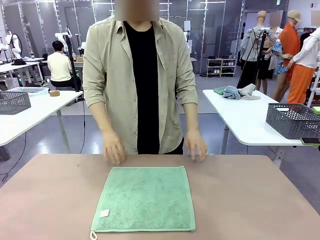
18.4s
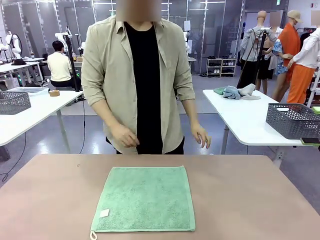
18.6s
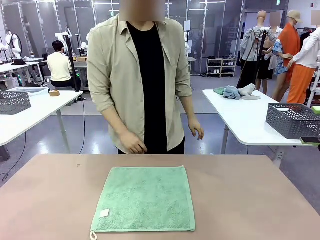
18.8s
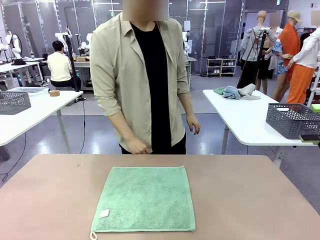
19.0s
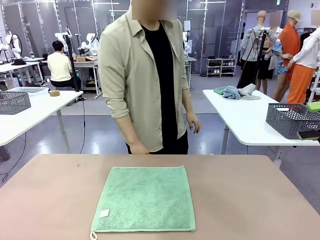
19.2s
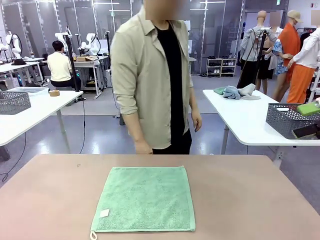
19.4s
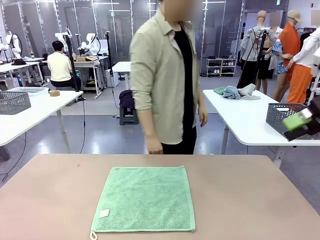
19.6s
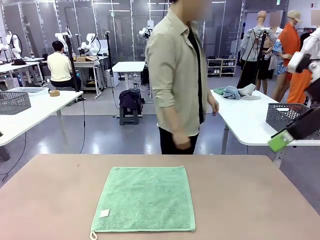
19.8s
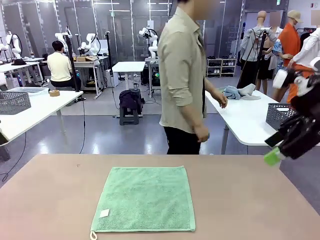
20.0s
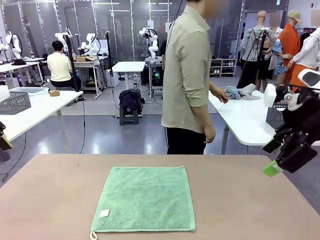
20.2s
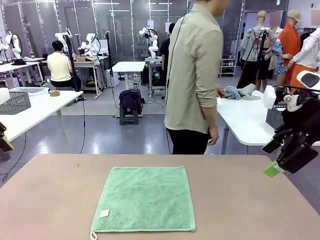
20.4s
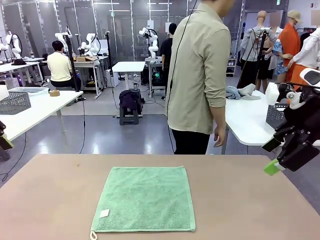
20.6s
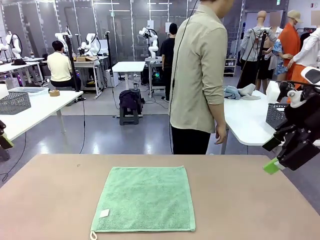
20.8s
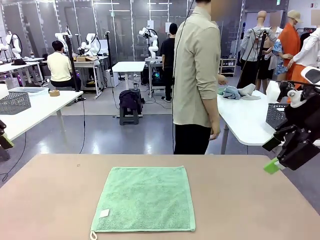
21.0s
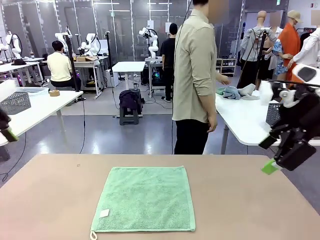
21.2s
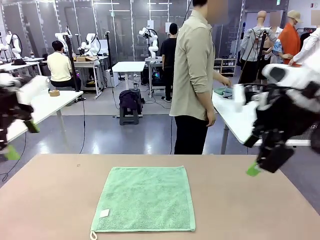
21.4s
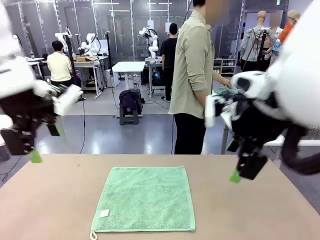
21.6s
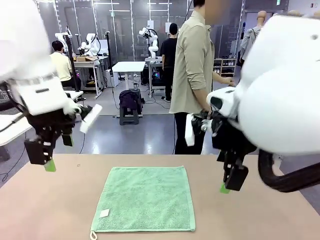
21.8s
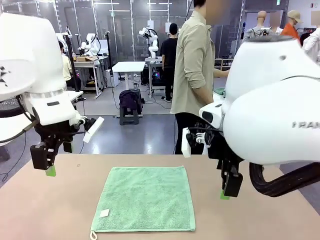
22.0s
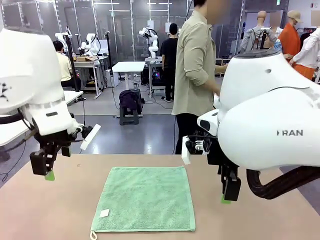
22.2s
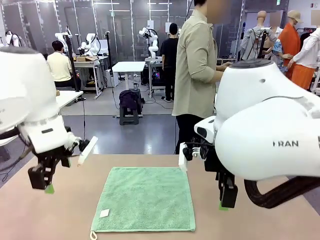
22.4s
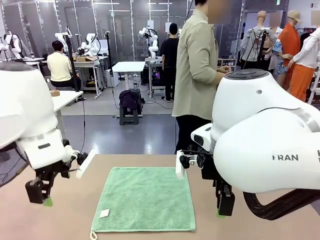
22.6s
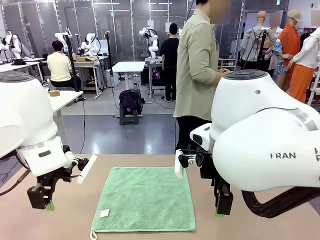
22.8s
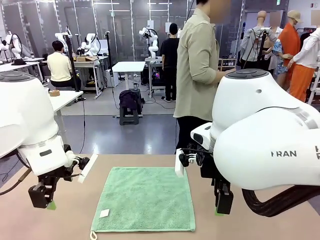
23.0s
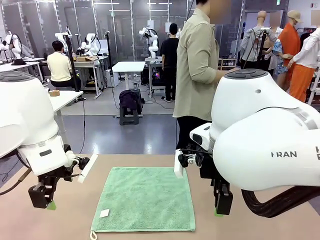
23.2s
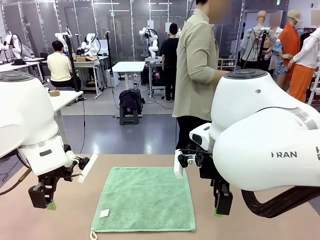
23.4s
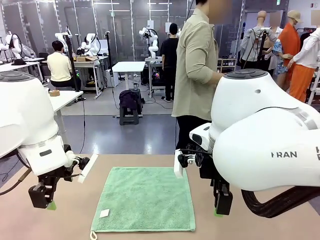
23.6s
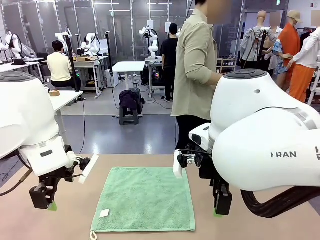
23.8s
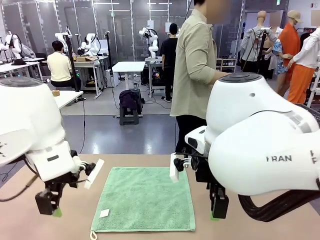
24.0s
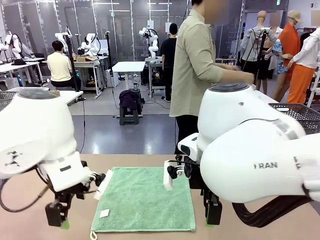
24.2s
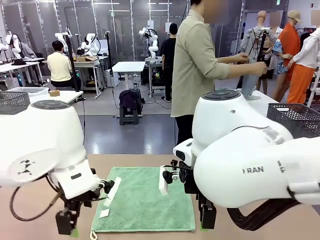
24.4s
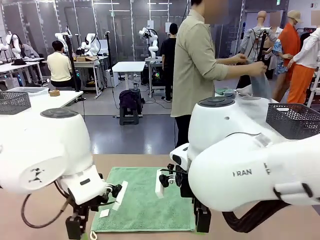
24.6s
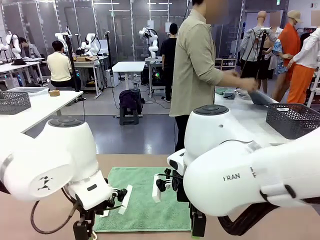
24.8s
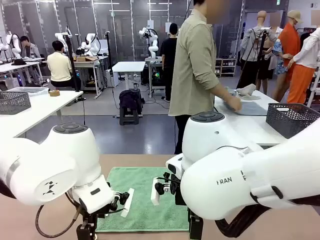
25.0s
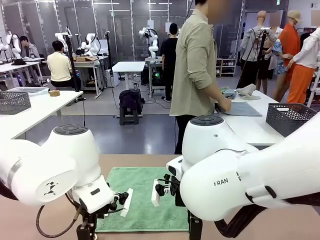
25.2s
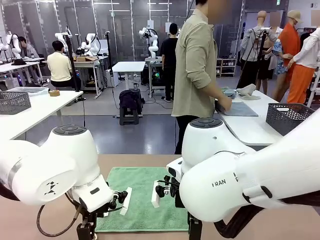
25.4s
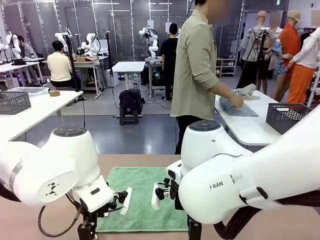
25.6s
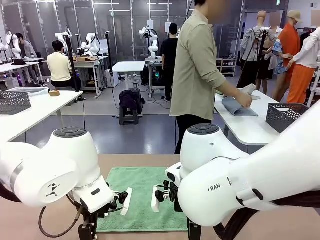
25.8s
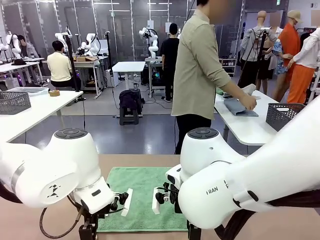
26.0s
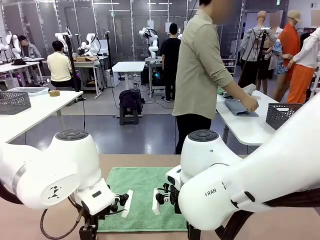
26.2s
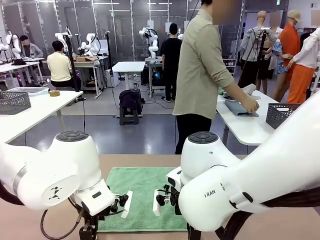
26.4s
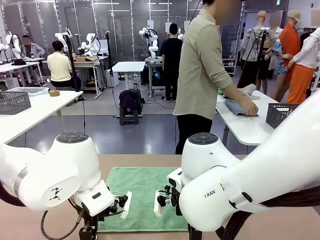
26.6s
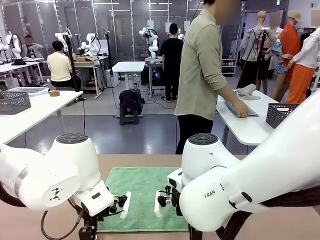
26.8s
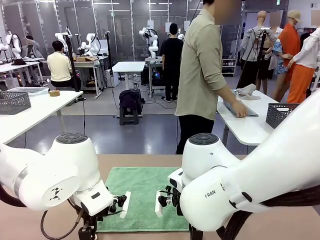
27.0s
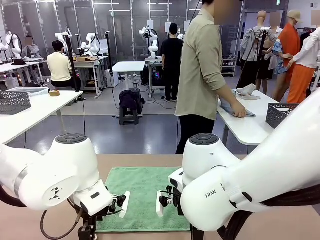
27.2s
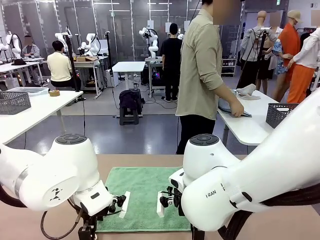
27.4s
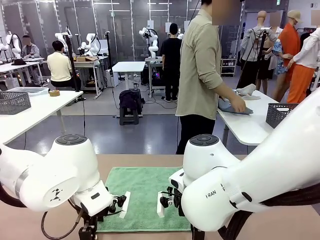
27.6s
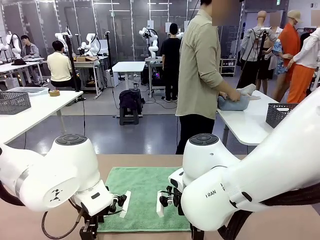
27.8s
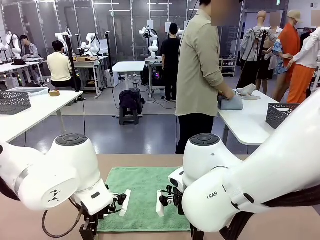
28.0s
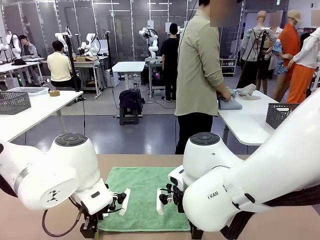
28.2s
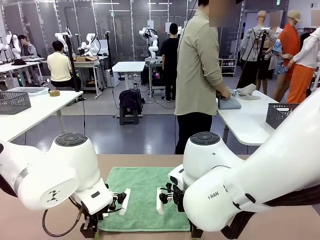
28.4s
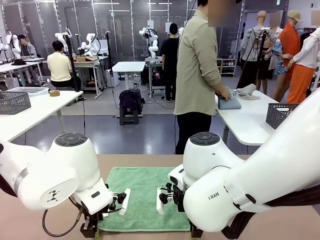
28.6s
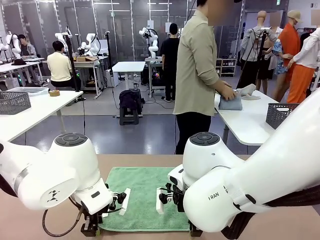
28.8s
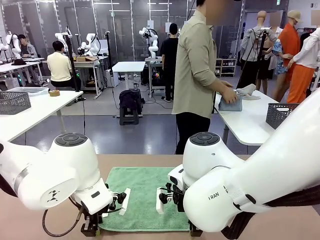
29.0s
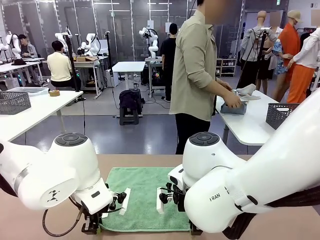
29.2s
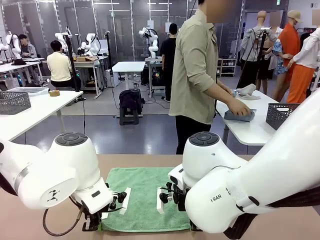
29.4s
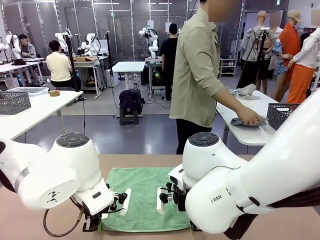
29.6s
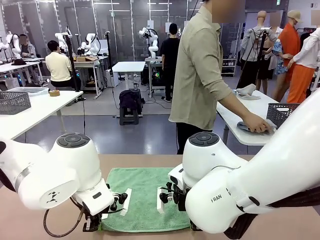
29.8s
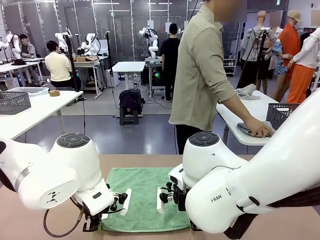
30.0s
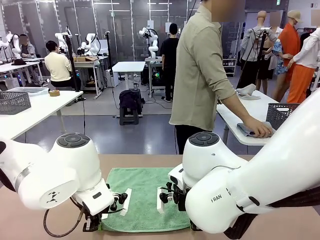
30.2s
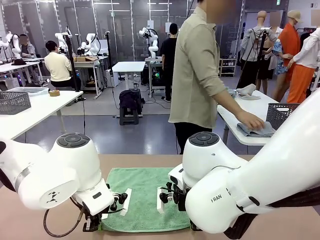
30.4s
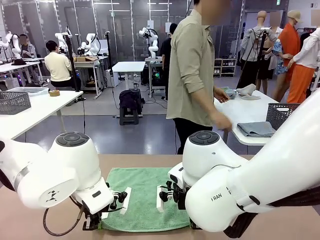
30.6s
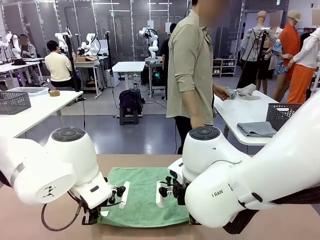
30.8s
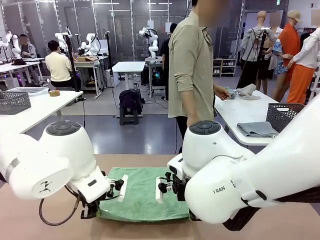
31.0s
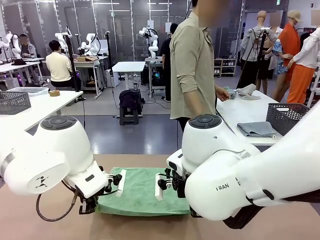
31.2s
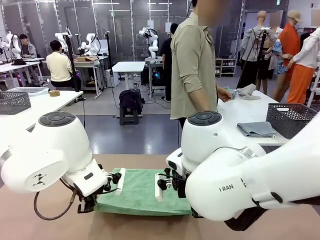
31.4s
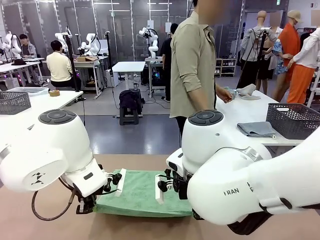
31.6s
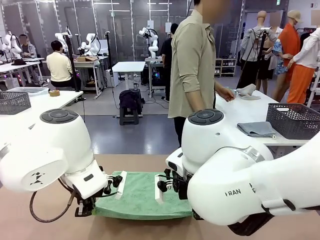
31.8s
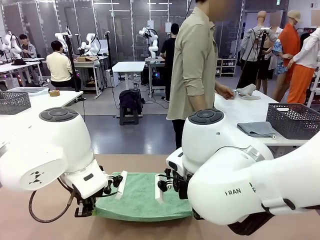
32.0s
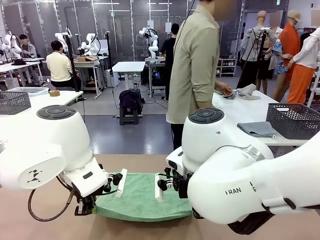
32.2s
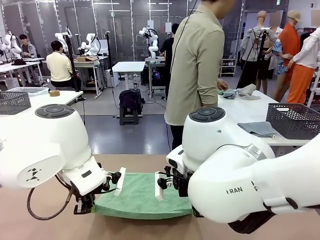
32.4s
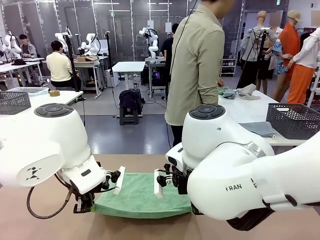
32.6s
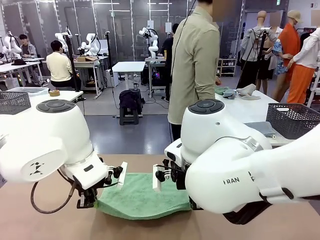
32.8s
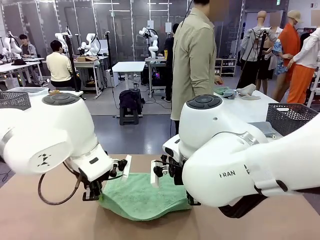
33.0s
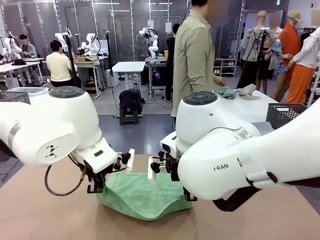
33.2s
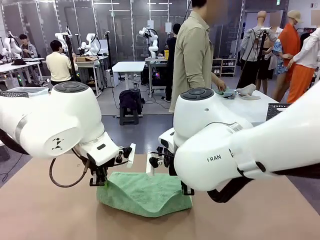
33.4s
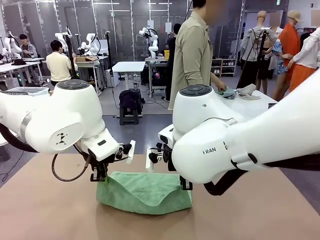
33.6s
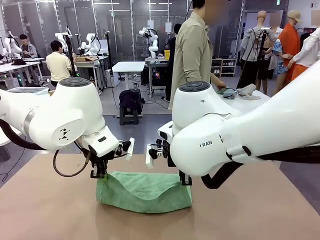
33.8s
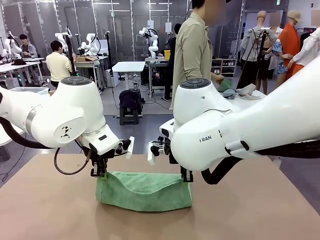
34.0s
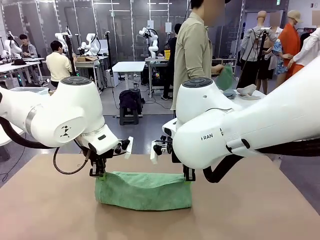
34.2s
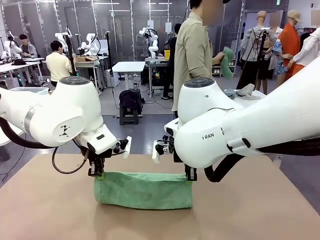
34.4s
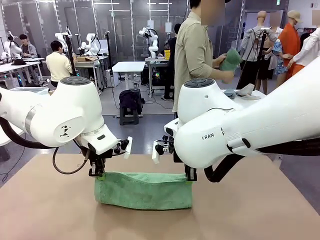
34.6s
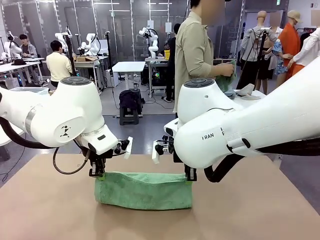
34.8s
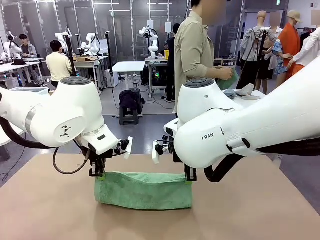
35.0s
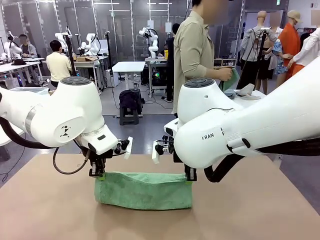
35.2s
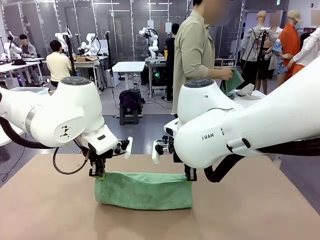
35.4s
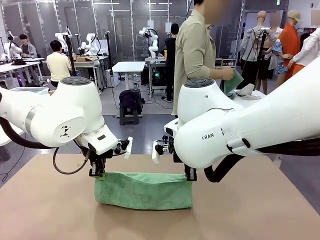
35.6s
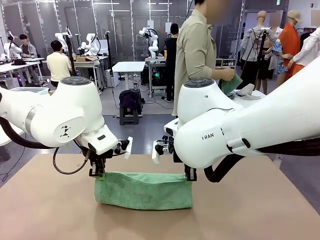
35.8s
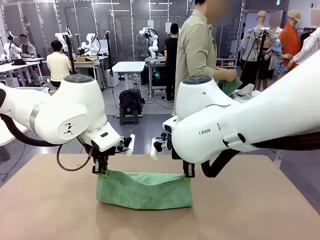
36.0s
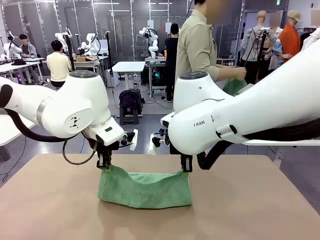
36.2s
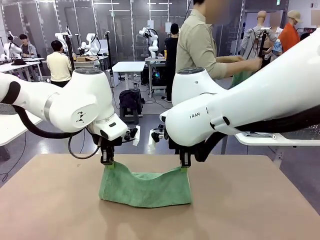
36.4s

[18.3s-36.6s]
Task: Fold the towels and place them in the basket.
Robot: When a person lays out a Towel with hook on the table, fold it in half twice.
Person: Pick up one towel from the left side of the human table, fold it in half twice, and place it on the right side of the table.
